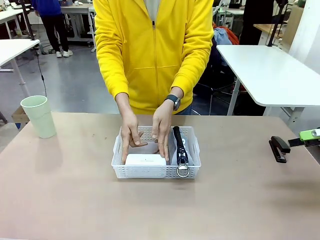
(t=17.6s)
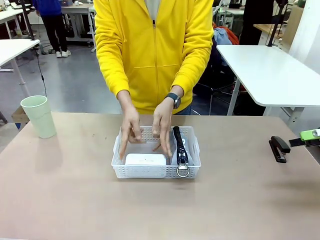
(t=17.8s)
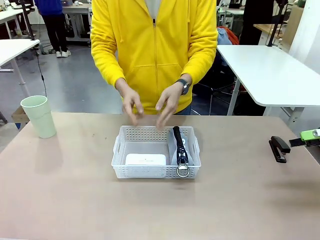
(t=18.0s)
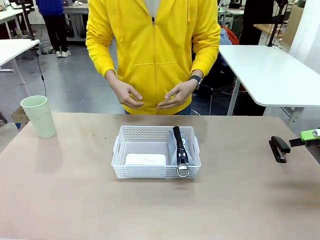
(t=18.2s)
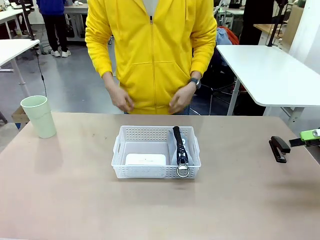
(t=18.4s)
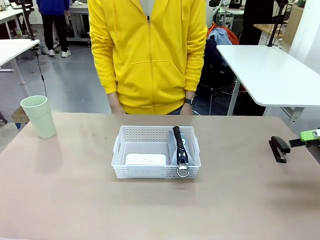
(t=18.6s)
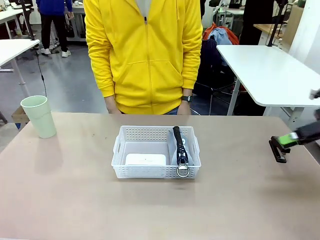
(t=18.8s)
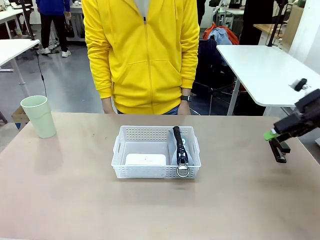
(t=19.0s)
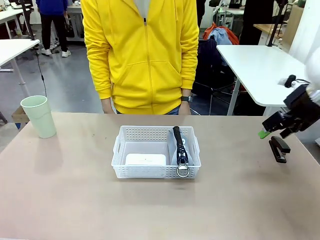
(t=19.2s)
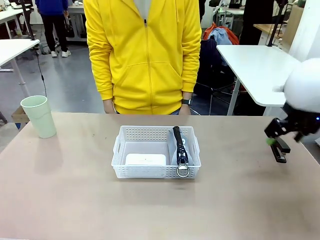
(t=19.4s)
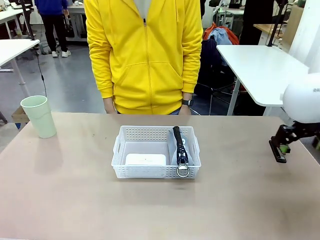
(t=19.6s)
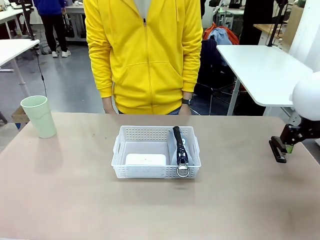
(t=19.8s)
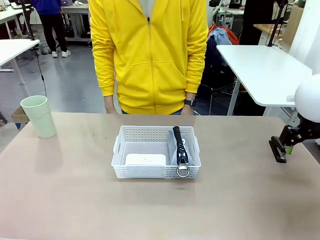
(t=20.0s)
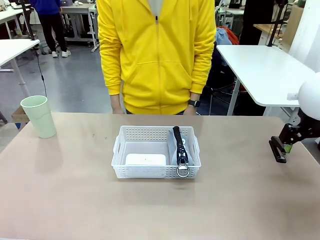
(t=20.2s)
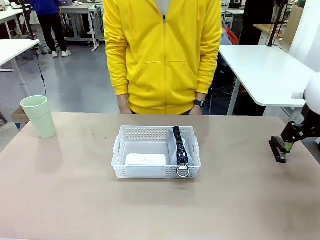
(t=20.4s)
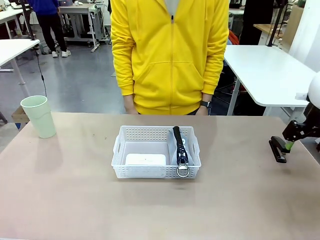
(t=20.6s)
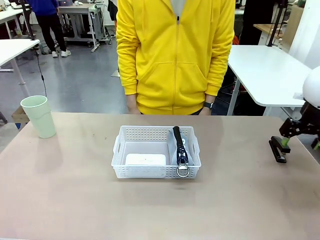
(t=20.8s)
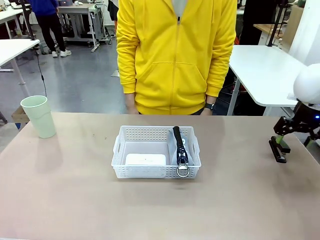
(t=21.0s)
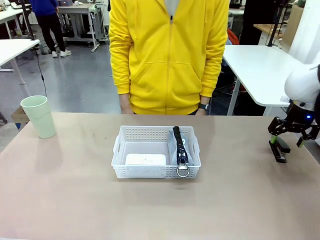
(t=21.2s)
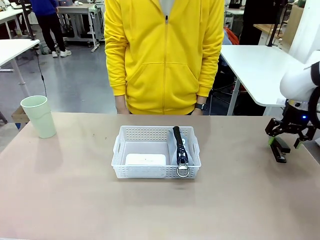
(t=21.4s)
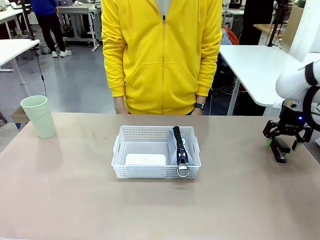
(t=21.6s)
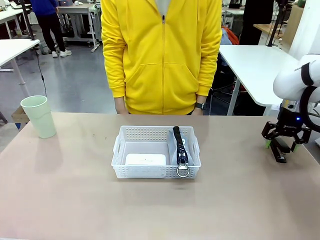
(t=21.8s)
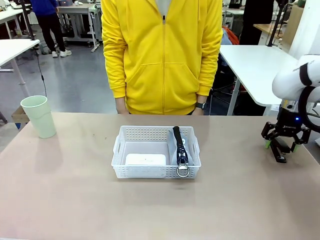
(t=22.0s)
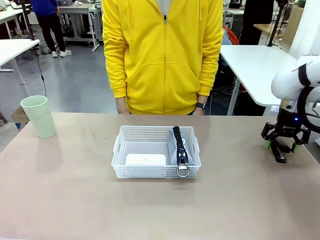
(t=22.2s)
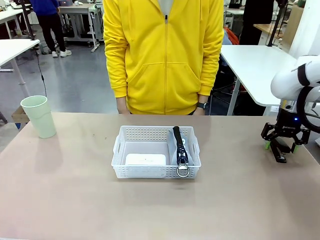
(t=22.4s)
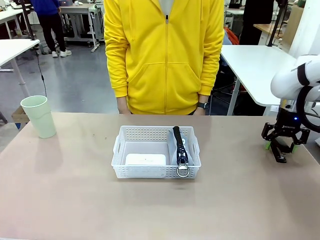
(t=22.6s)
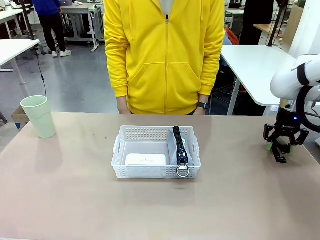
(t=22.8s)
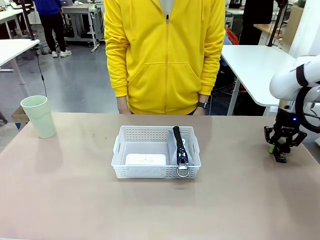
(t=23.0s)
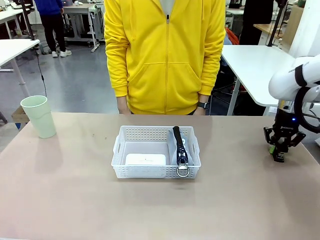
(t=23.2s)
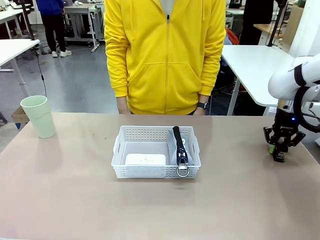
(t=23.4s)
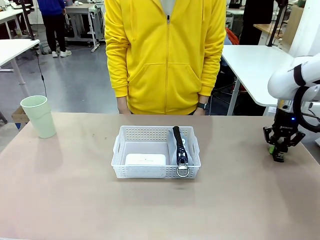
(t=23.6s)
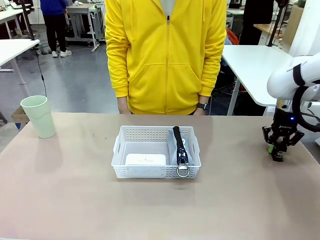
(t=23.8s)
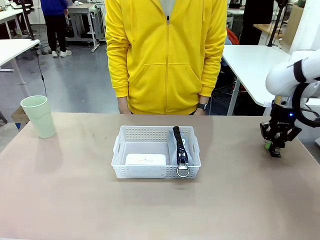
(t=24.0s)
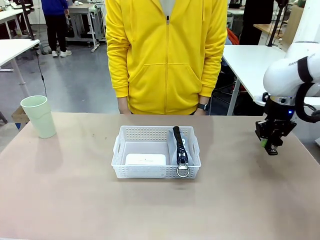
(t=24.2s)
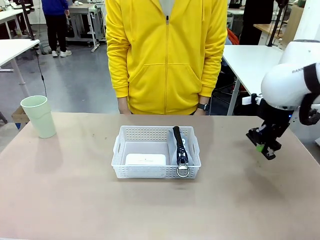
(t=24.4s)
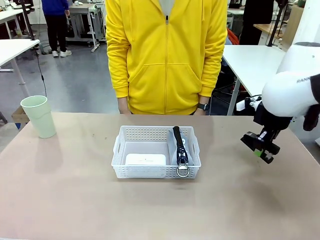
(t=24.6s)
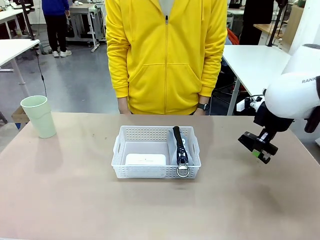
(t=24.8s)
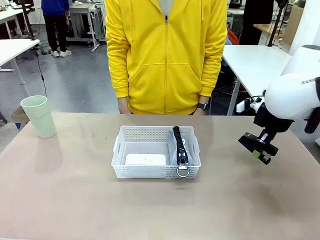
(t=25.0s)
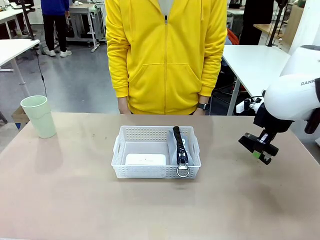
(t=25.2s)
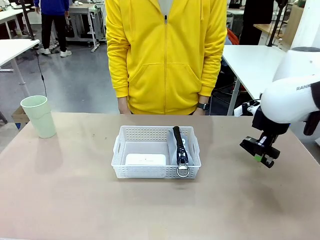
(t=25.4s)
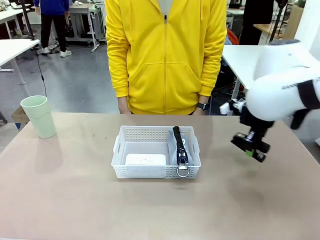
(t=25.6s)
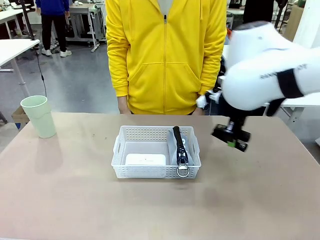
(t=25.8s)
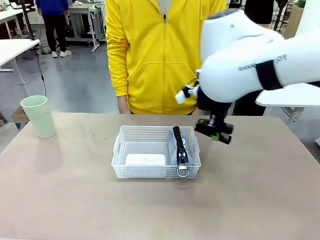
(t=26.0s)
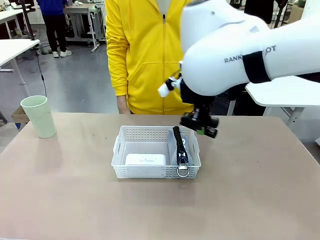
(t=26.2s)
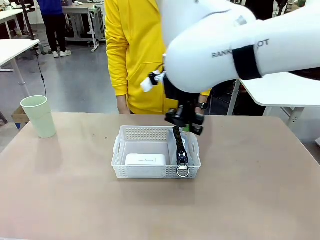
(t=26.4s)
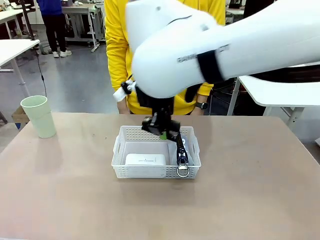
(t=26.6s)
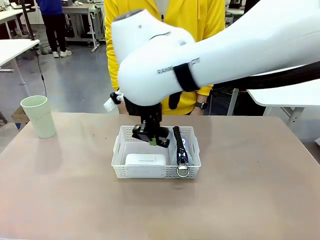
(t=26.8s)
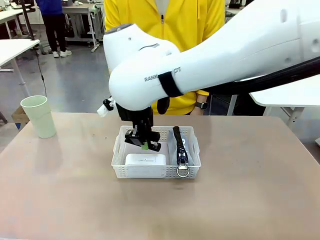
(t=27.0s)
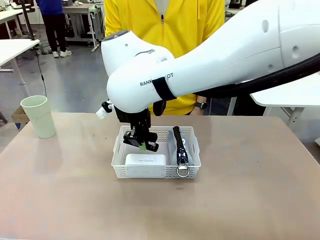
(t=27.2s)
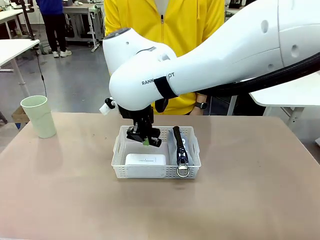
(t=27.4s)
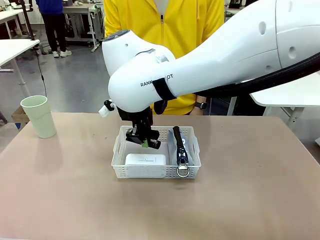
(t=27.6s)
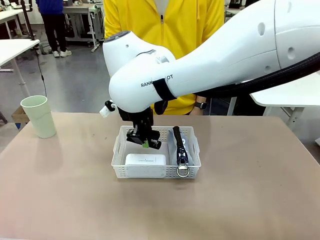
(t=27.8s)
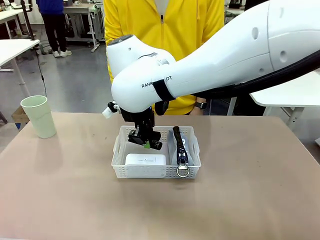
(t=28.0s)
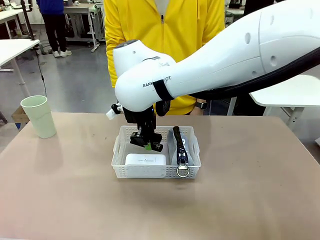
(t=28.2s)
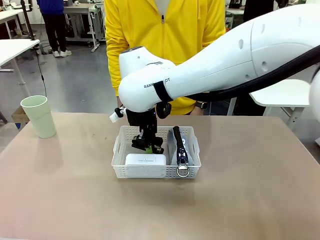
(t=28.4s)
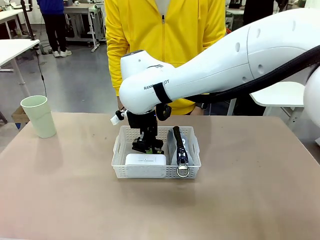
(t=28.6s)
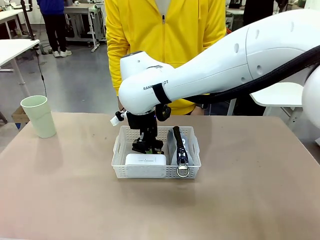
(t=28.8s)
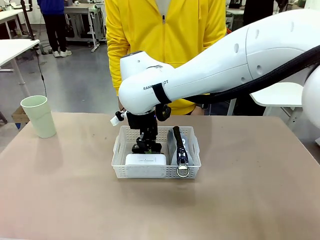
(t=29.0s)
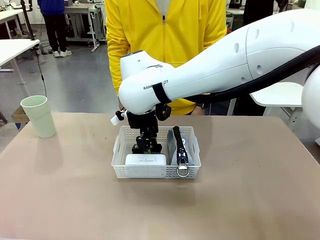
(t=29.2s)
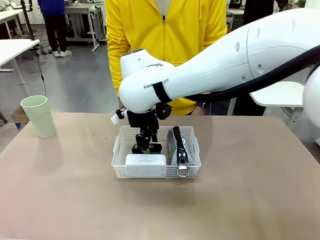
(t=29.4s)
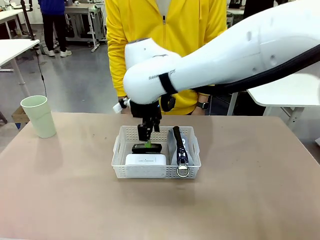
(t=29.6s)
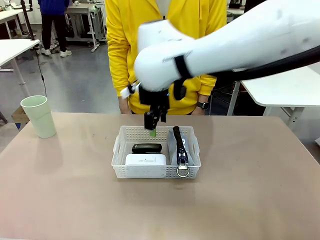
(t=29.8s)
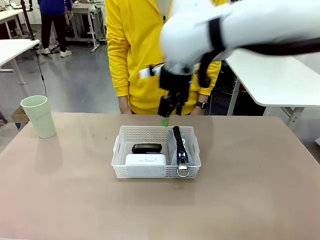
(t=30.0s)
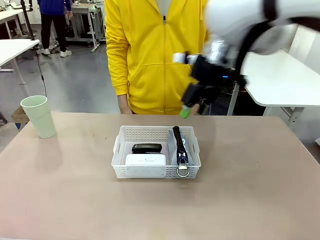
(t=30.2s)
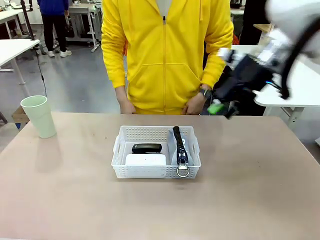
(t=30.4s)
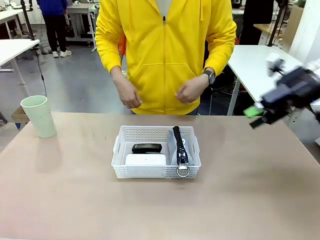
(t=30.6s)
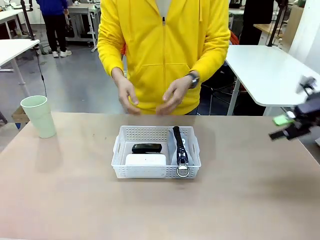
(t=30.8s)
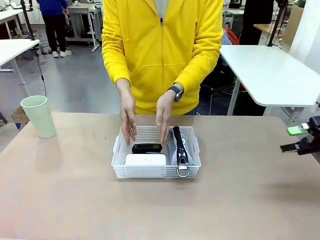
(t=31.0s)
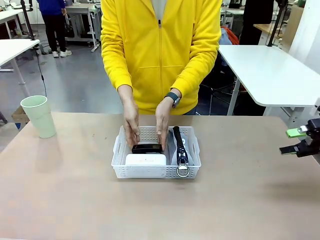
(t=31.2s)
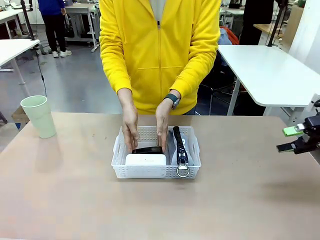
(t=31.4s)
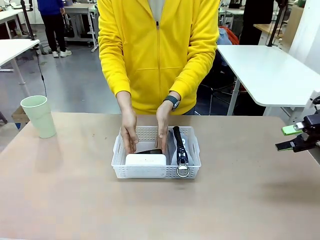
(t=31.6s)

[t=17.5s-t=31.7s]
Task: Efficiently arrange items inside the basket to fit them all.
Robot: Pick up the Stapler and place it inside the Organizing basket.
